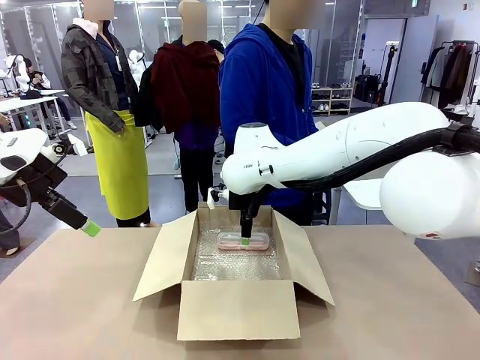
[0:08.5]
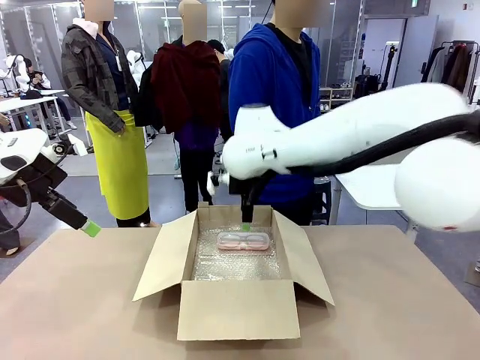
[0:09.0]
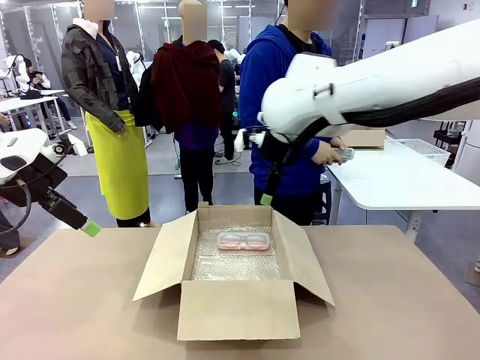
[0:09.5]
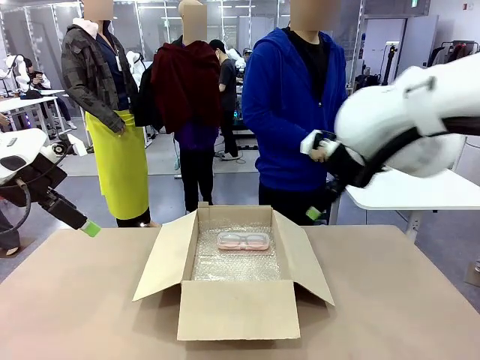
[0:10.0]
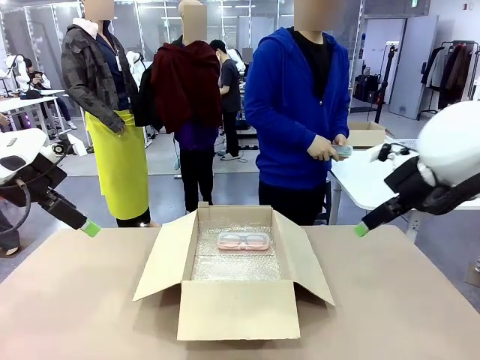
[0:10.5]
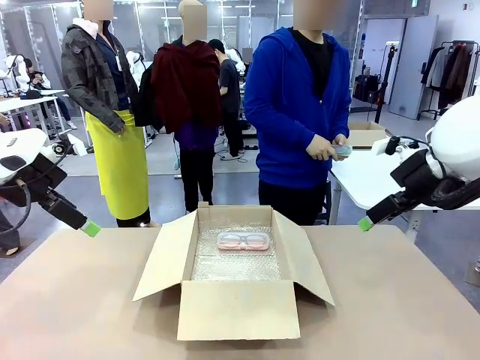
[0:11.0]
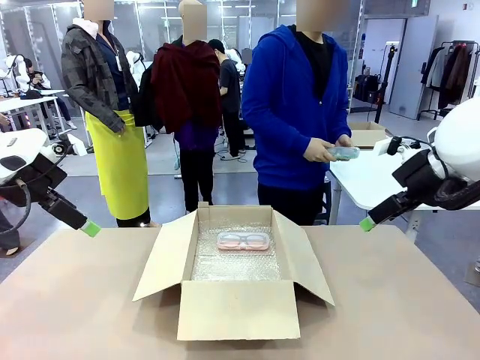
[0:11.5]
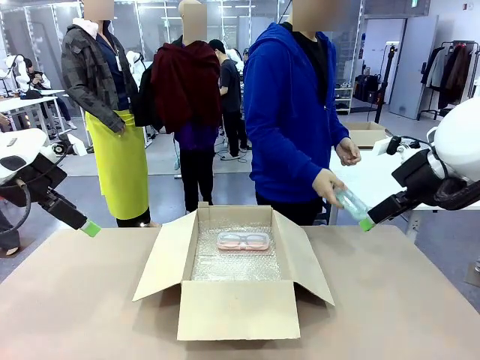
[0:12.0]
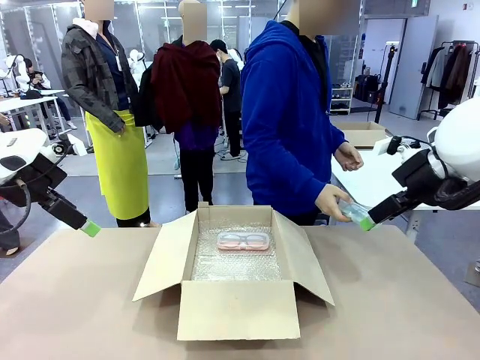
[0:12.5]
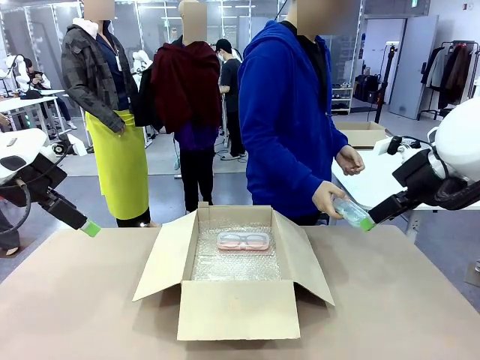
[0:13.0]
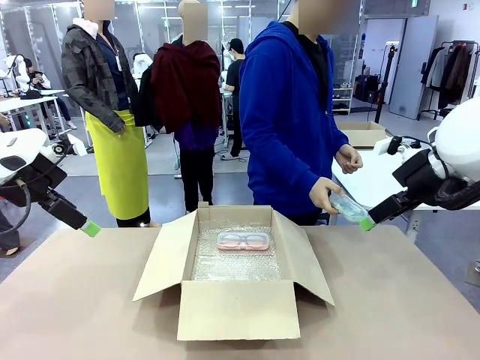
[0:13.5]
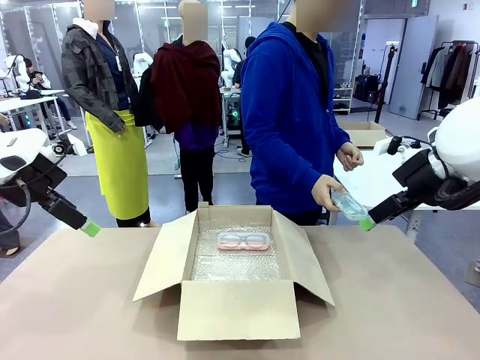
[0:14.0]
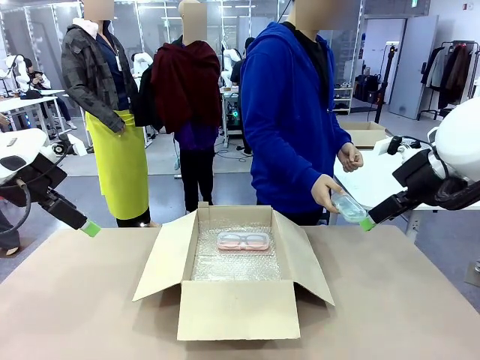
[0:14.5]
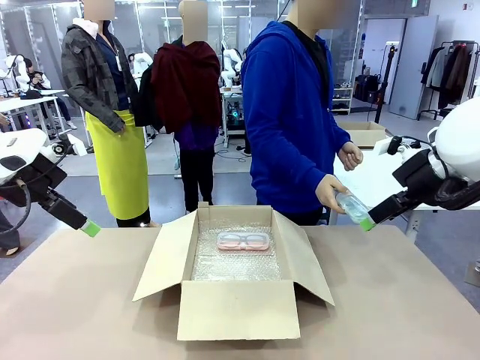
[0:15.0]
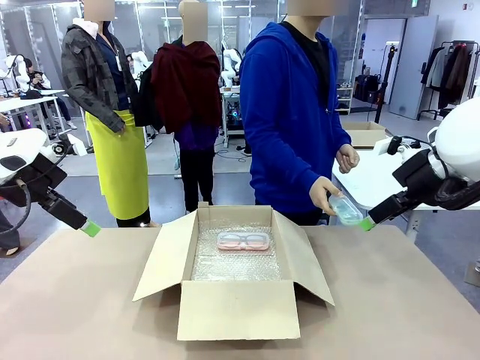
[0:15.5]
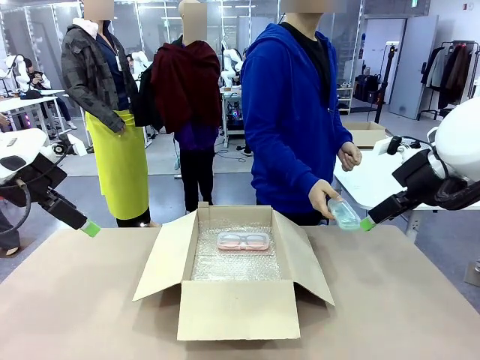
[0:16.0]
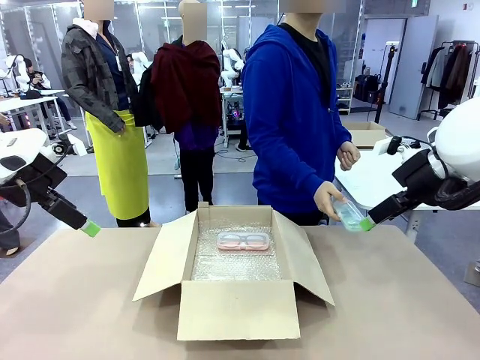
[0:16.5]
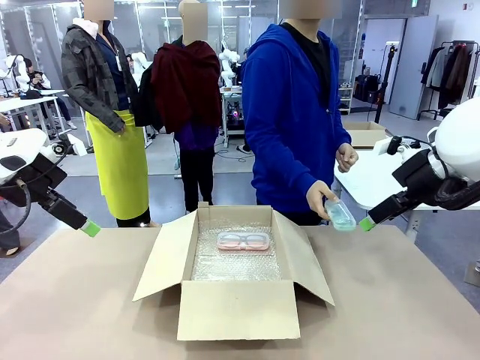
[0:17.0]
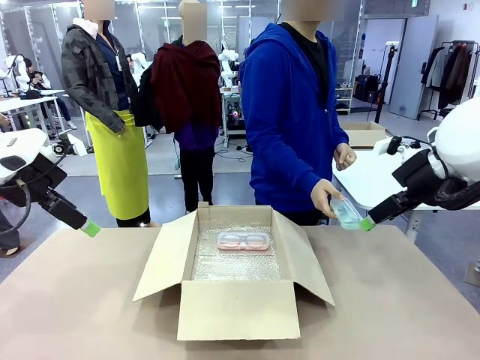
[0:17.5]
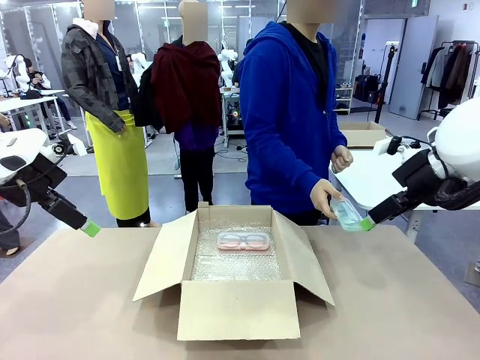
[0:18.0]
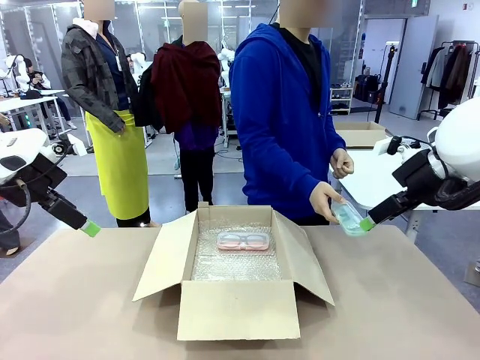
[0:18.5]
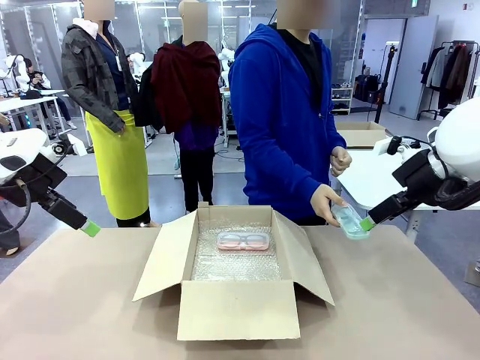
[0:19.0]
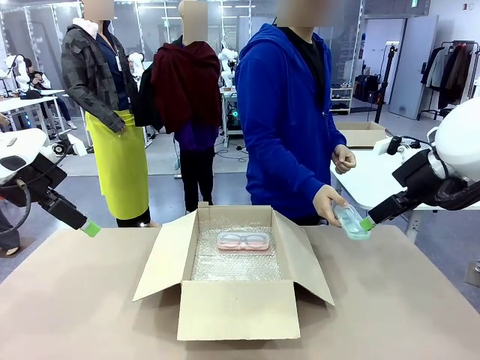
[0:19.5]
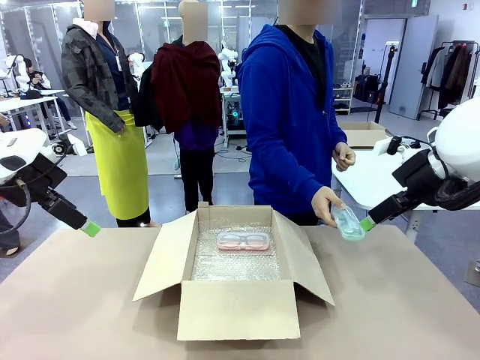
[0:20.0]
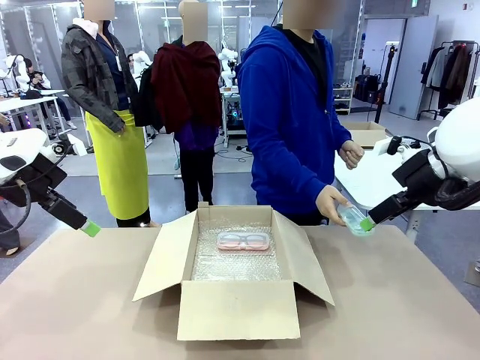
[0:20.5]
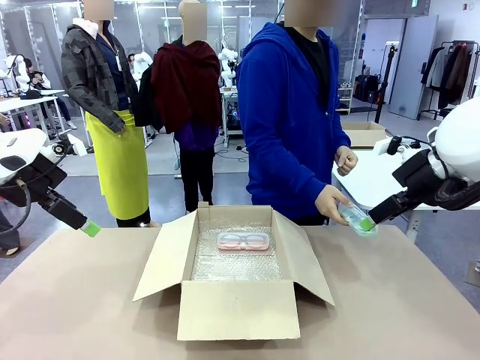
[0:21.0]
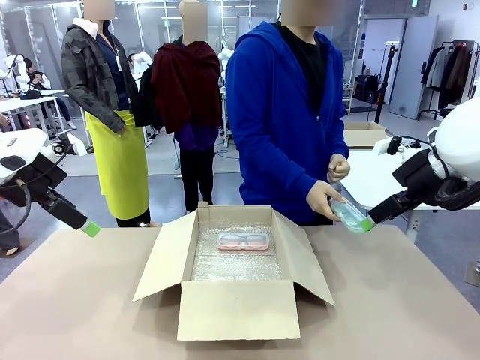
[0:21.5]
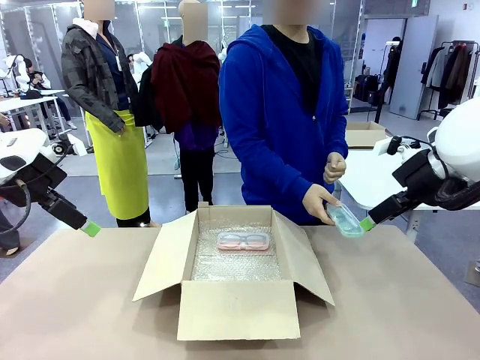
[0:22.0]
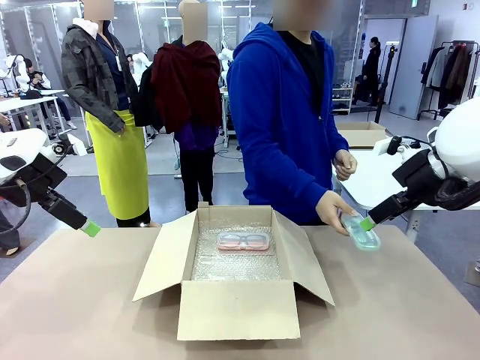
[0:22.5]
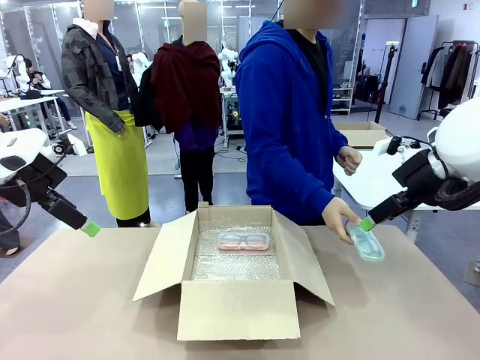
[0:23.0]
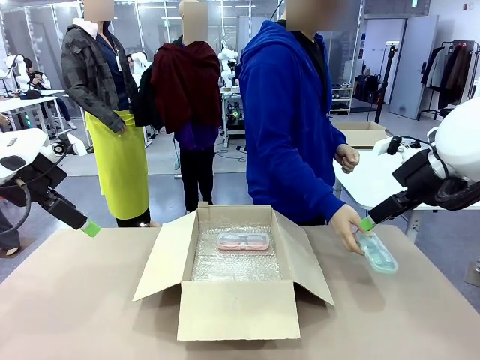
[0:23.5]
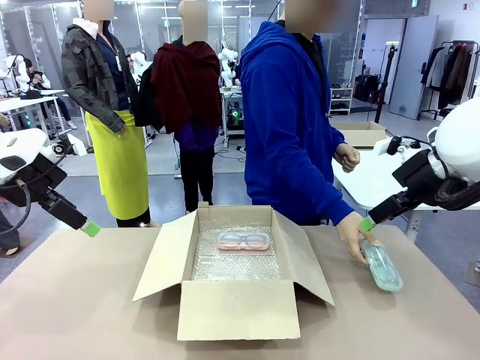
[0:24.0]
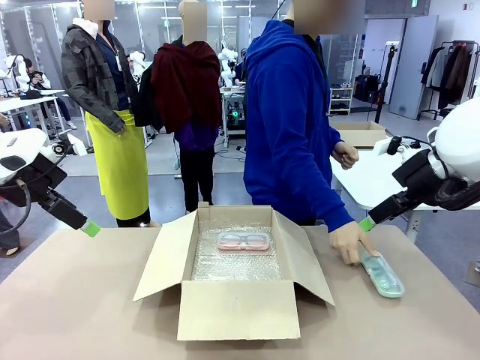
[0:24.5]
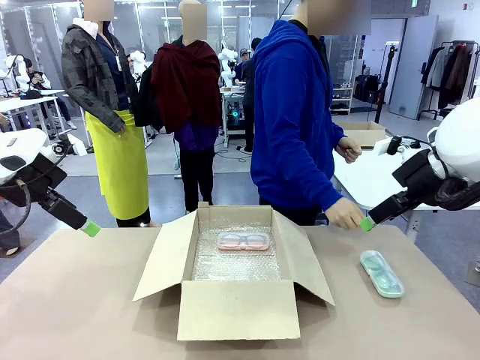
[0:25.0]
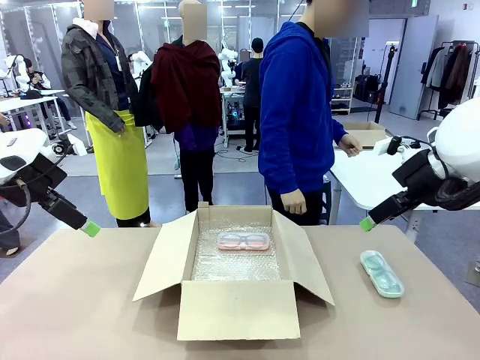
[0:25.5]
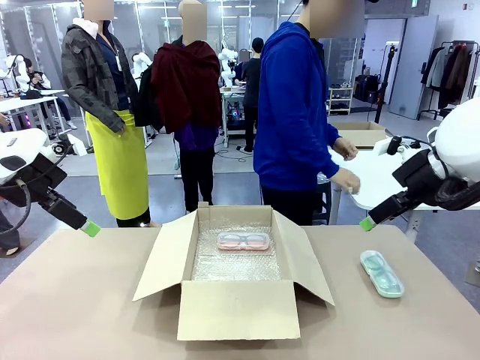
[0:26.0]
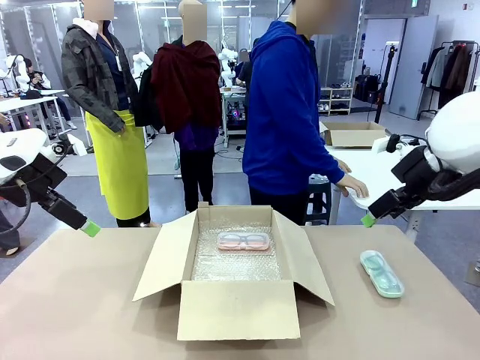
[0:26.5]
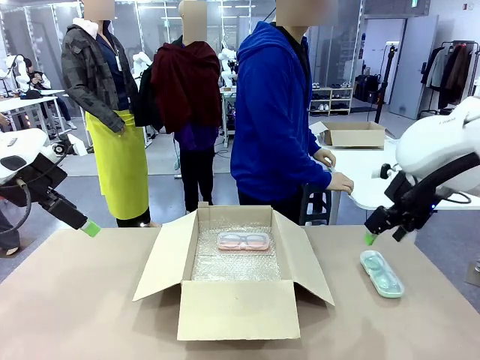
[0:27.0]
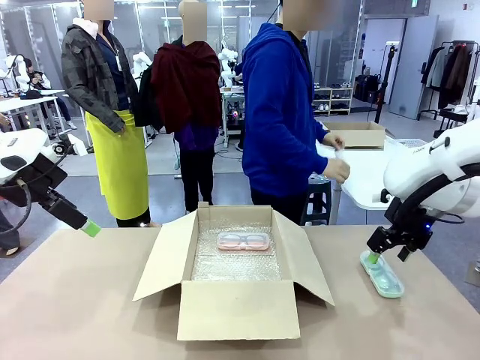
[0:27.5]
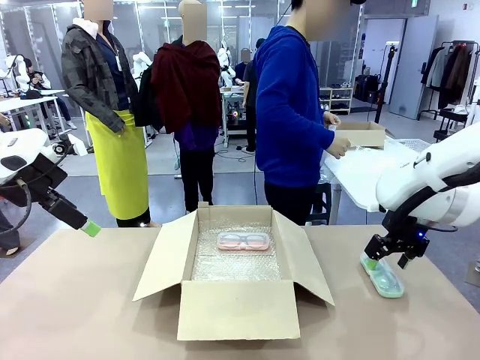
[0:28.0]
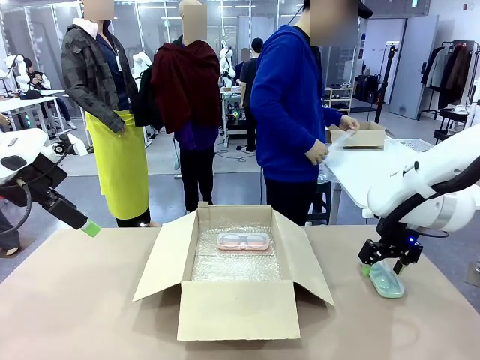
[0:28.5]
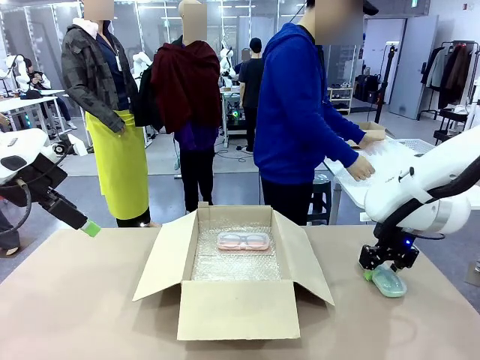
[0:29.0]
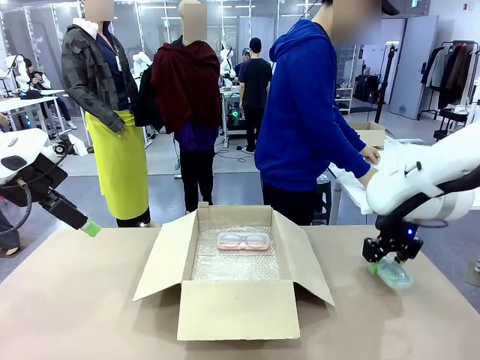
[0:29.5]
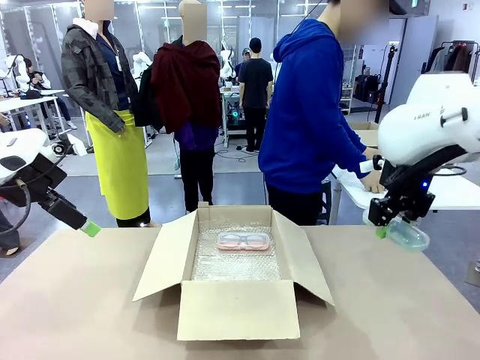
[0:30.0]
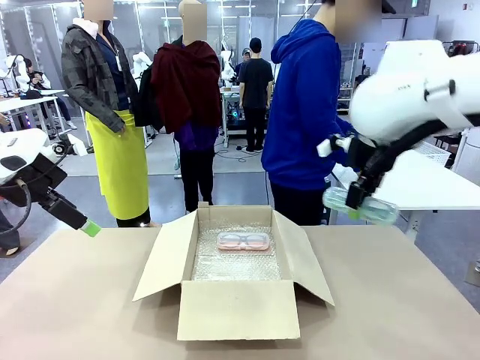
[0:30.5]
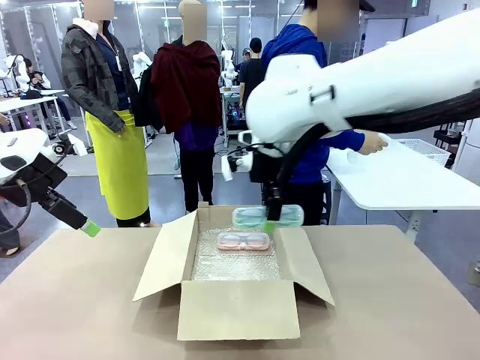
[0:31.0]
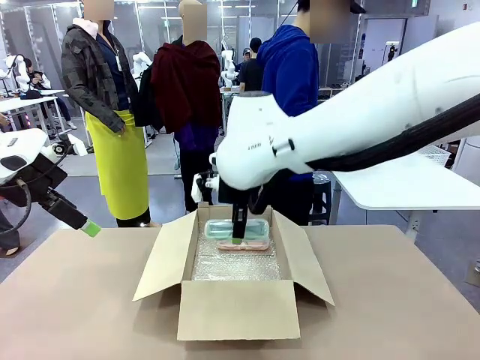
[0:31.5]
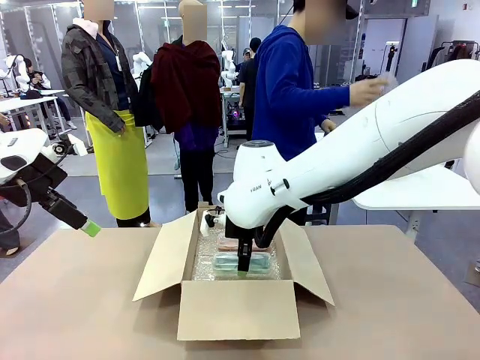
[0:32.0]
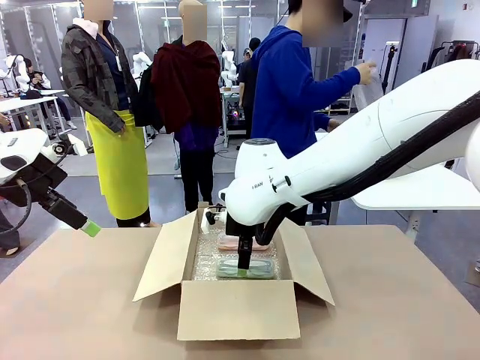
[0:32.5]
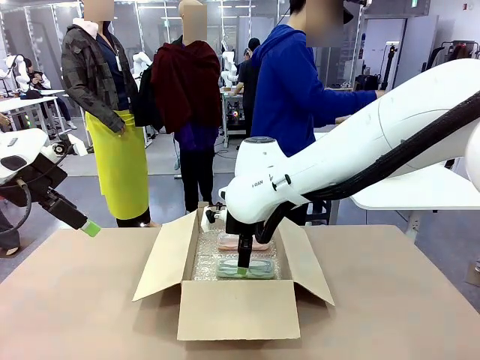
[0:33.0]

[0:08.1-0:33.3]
Task: Pack the glasses set securely to prepare it for shipping.
Robot: Put the Glasses case from the right side of the table into the Package Box.
Person: Position the Glasses case on the left side of the robot's table.
